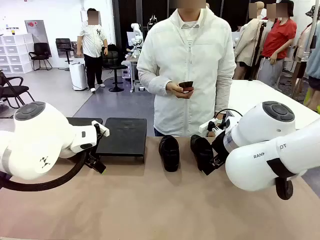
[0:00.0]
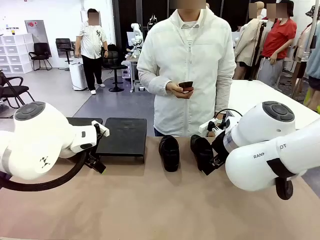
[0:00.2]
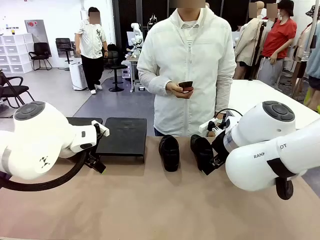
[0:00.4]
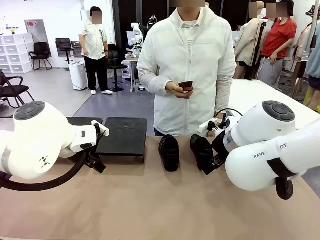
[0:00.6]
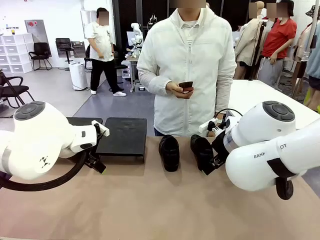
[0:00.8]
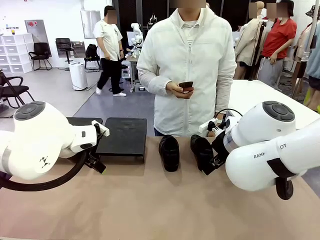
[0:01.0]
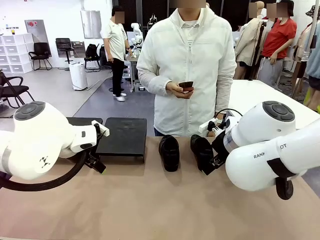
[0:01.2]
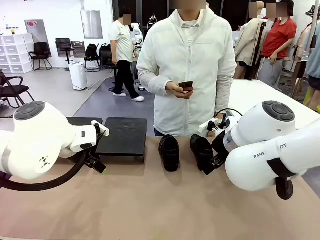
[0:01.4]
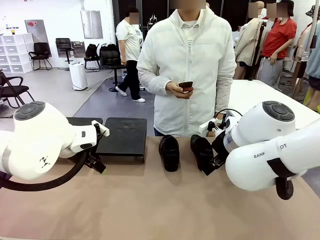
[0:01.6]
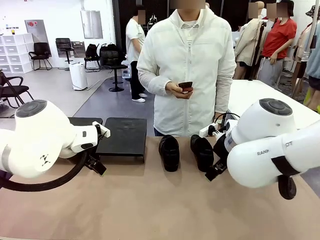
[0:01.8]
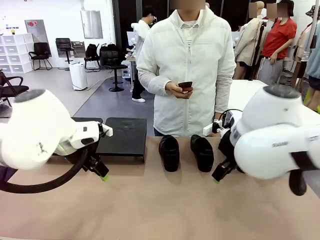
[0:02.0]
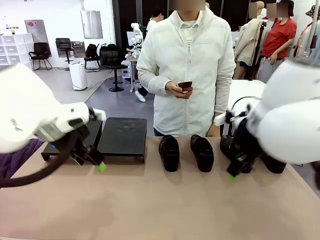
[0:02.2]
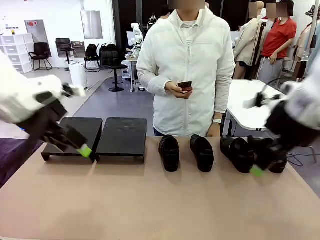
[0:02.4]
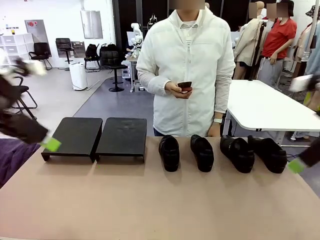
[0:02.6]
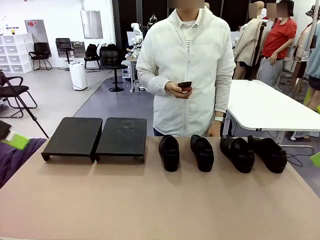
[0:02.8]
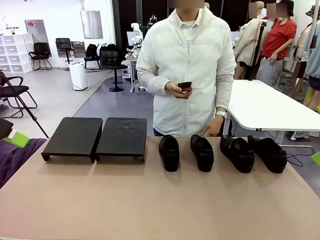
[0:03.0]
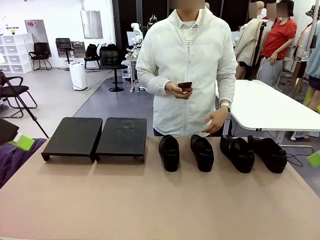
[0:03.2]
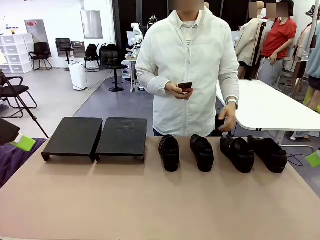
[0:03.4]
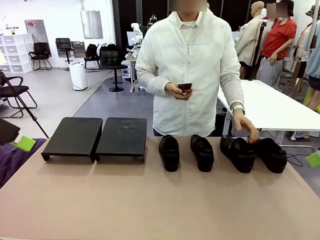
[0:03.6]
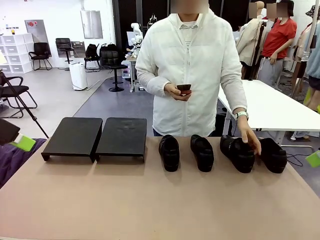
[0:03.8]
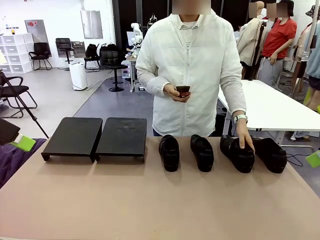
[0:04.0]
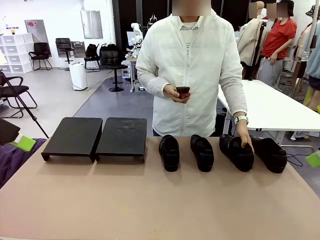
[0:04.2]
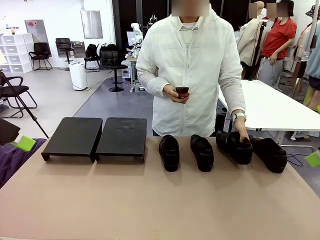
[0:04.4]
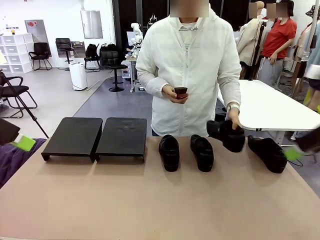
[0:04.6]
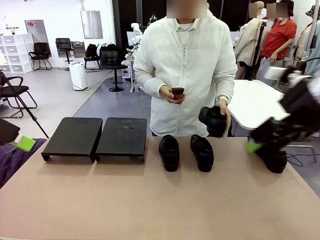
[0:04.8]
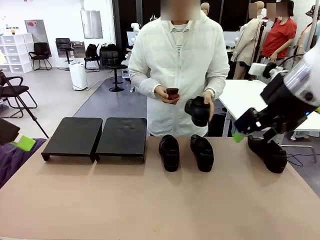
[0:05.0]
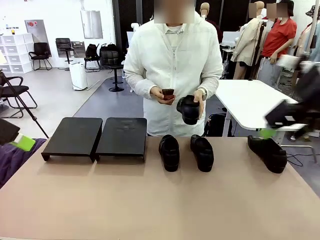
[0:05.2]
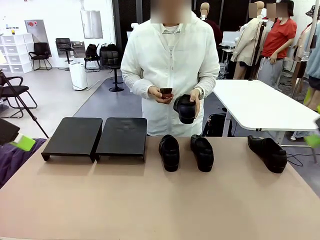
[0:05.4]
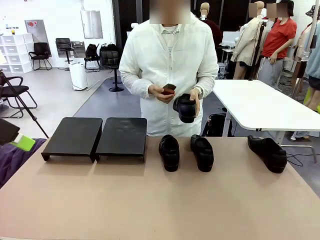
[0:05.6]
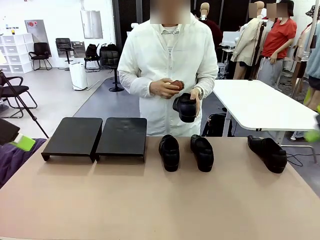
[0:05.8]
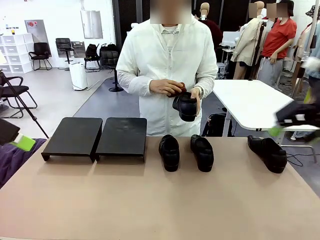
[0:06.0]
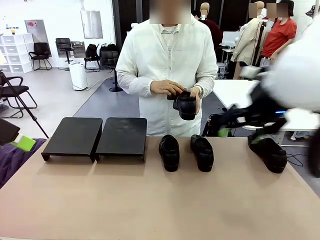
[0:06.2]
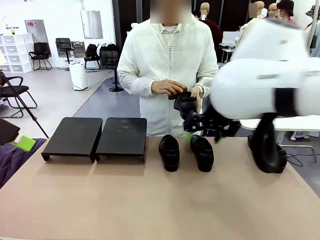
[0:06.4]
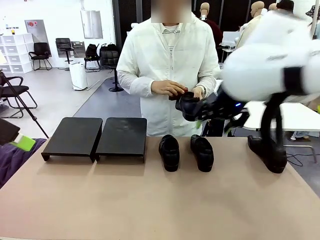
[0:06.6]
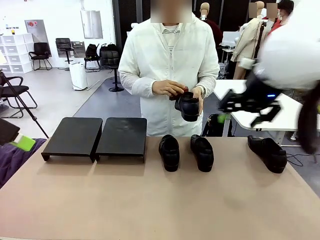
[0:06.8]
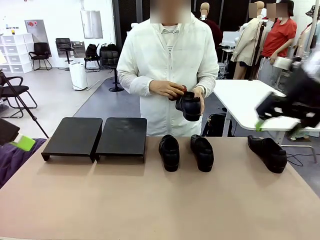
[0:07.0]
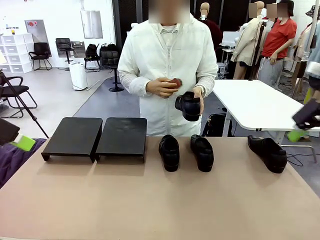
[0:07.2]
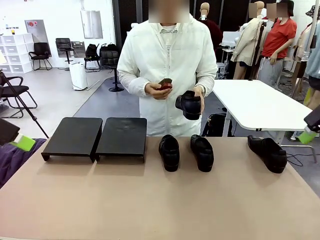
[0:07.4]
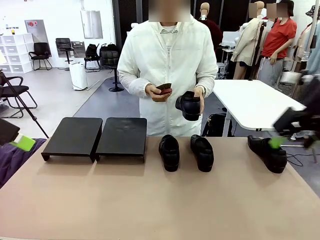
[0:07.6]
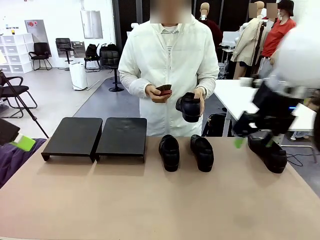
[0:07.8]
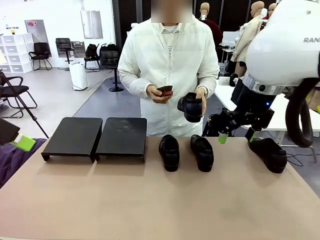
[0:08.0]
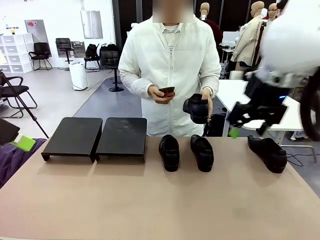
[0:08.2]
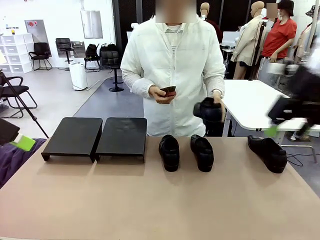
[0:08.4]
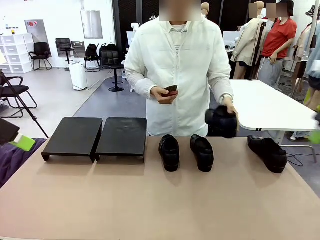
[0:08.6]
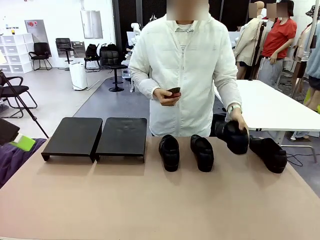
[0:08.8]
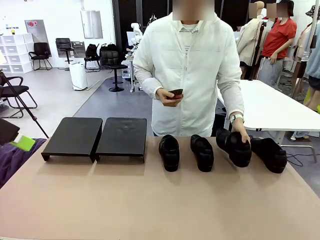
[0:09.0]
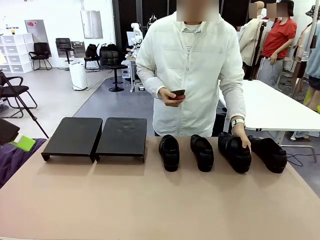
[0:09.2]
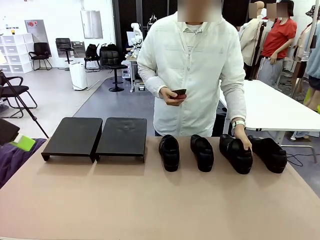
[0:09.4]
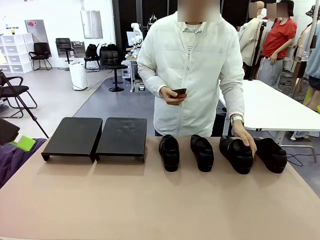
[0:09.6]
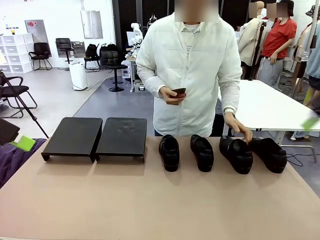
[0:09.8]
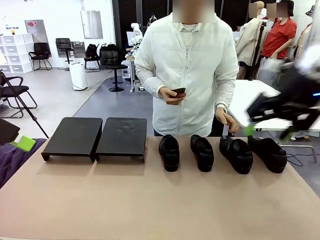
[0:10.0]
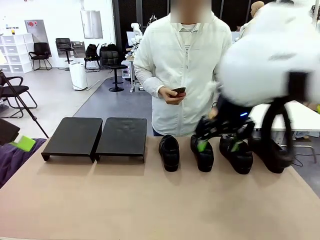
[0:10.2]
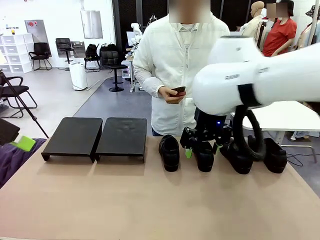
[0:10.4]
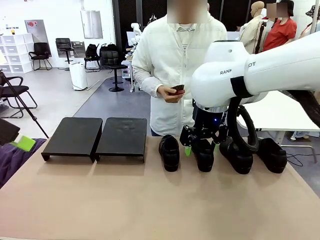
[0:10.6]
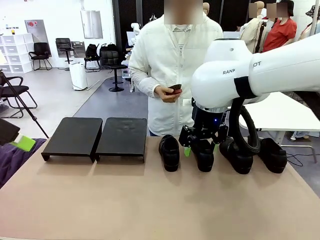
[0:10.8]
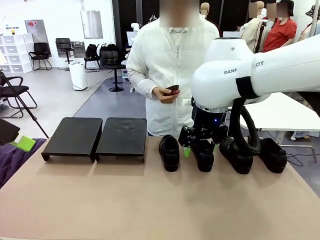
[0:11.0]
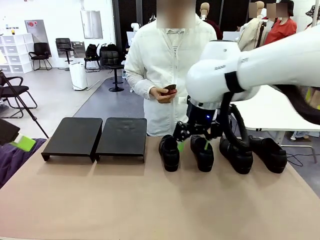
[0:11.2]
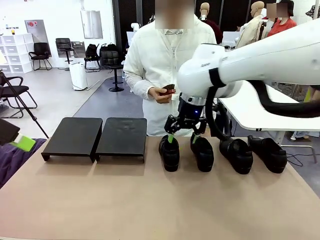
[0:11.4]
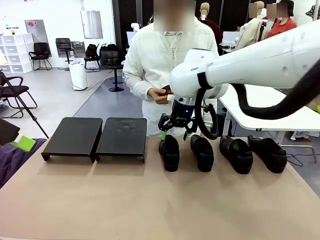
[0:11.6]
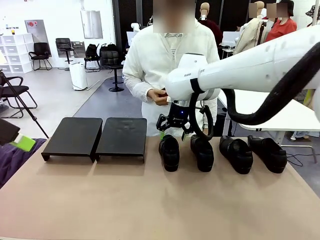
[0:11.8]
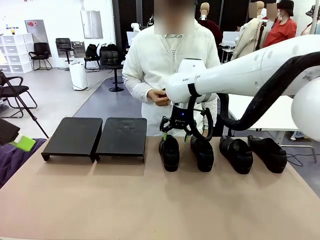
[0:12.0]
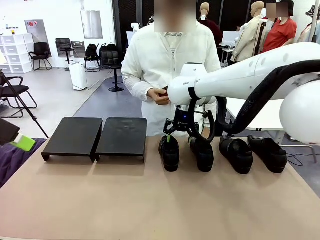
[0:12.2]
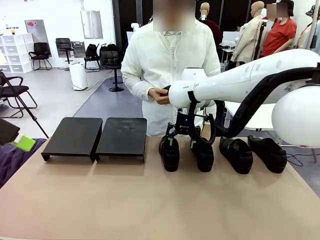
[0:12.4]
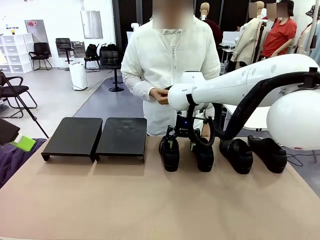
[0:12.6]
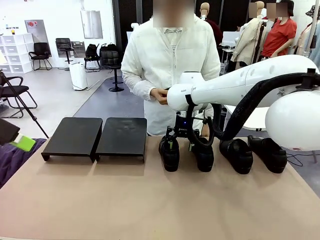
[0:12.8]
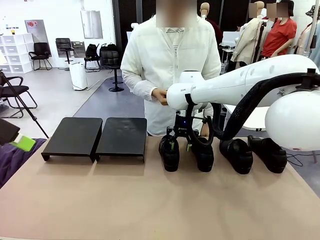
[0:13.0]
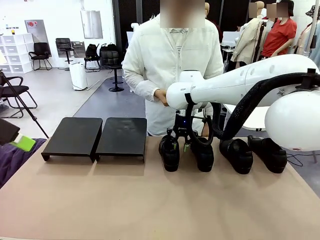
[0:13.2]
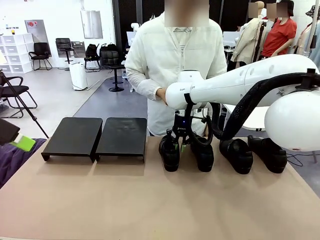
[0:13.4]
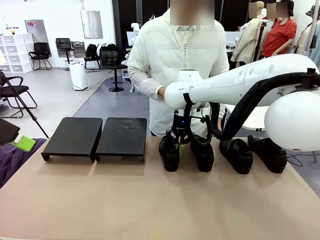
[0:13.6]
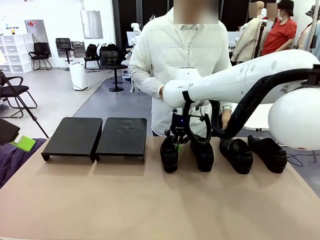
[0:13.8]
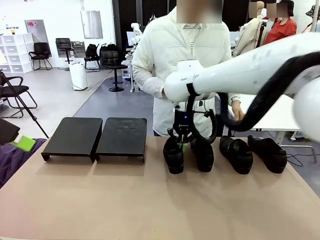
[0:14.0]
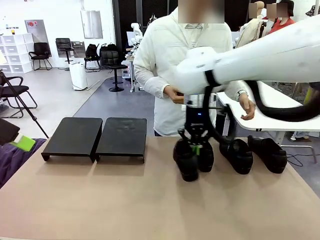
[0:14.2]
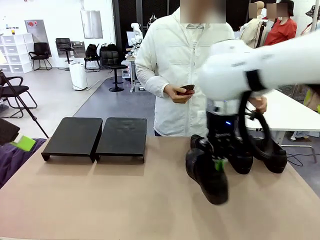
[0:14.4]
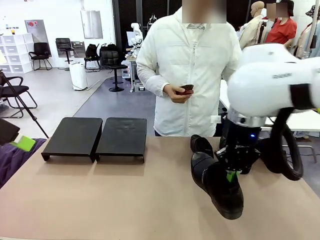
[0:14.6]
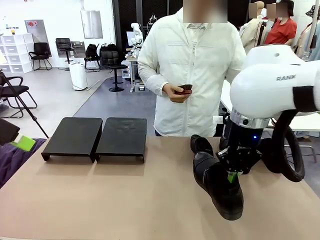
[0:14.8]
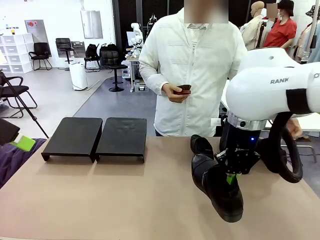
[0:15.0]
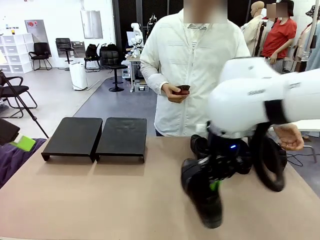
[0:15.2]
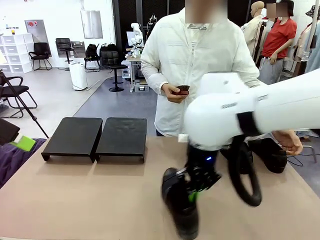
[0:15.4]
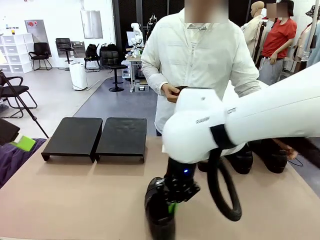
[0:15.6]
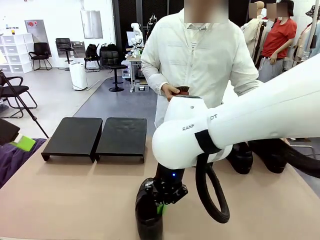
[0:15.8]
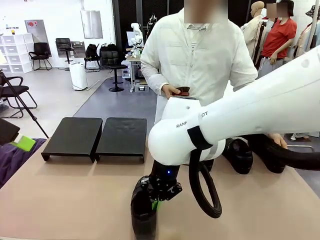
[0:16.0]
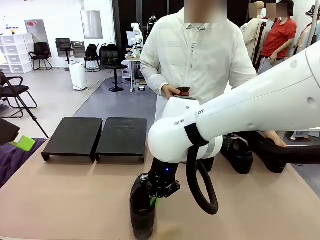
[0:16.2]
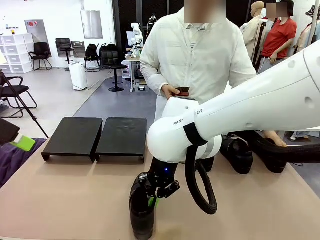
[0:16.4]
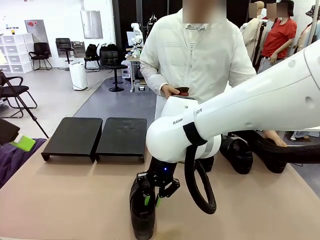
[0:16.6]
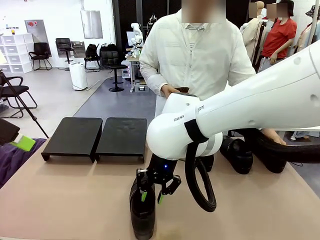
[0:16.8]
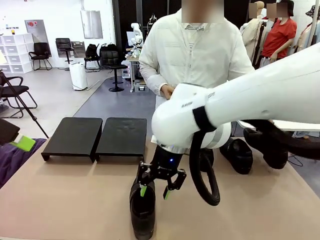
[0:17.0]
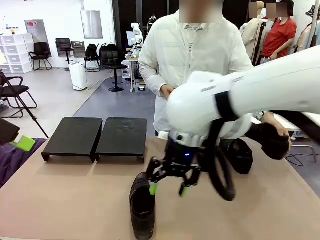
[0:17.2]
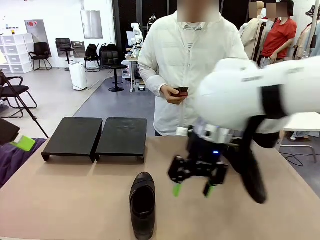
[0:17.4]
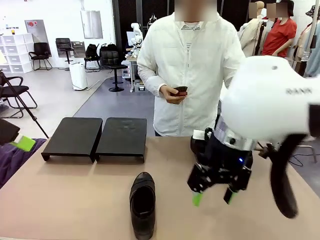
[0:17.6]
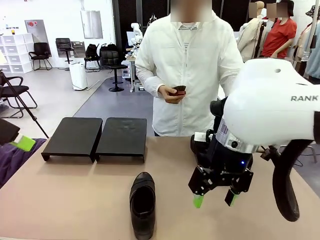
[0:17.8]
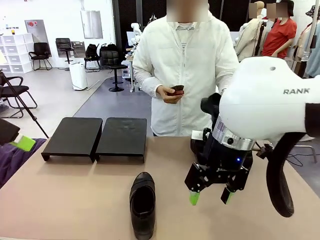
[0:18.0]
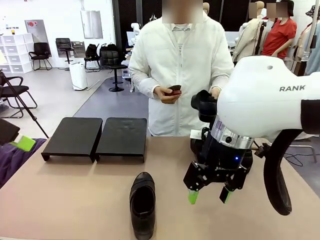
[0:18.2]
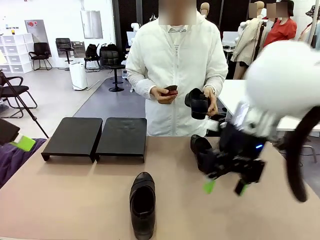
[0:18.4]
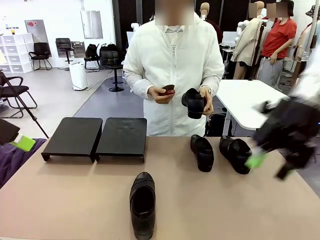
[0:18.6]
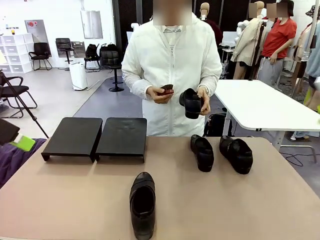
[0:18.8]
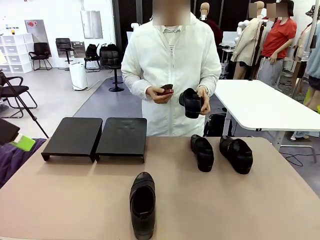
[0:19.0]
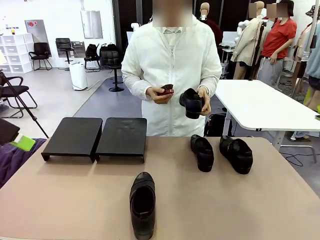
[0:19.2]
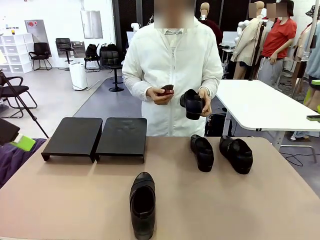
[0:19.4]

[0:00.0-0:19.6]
Task: Organize the shoes by placing them on the stand.
Robot: Pick up one Shoe and place it in the middle of the table.
Person: Pick one Shoe on Robot's table. Clean the Shoe with the Shoe Brush. Place the Shoe on left side of the Robot's table. Pick one Shoe on Robot's table.
